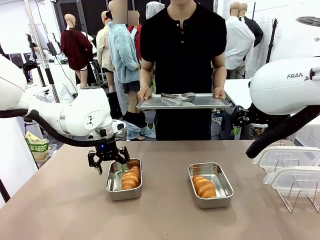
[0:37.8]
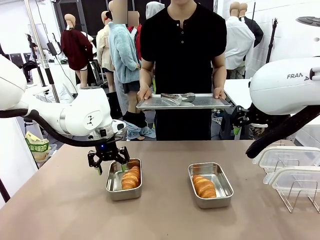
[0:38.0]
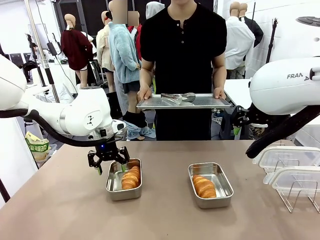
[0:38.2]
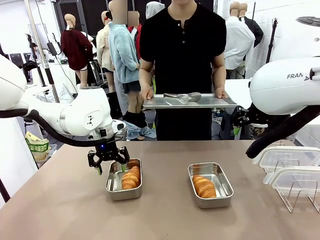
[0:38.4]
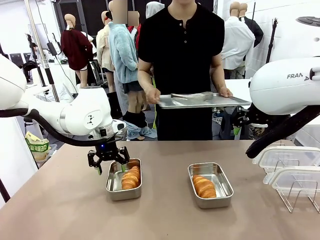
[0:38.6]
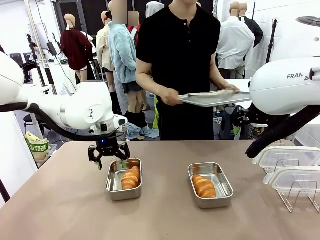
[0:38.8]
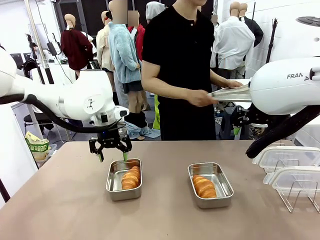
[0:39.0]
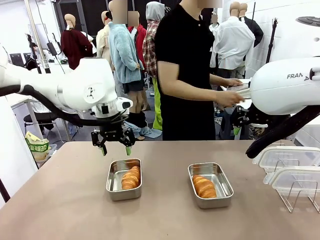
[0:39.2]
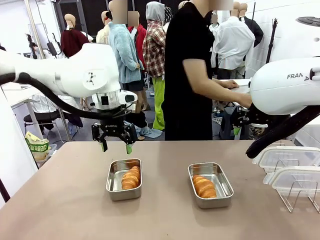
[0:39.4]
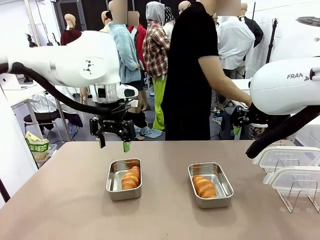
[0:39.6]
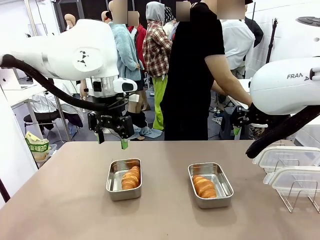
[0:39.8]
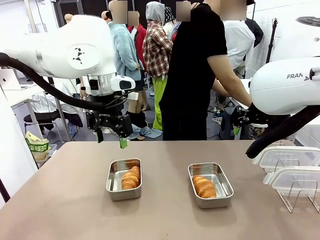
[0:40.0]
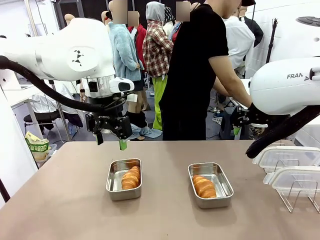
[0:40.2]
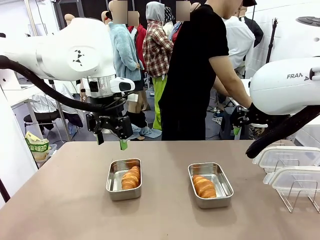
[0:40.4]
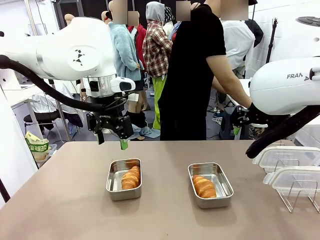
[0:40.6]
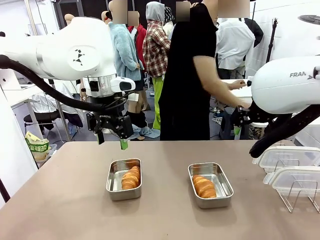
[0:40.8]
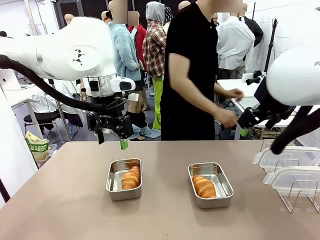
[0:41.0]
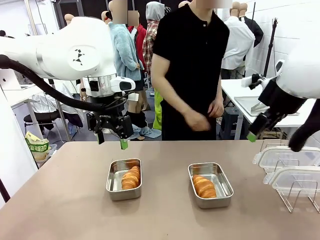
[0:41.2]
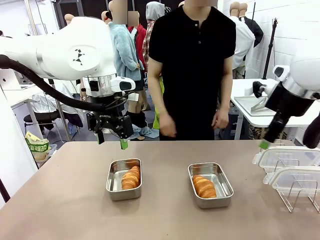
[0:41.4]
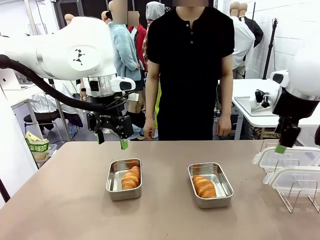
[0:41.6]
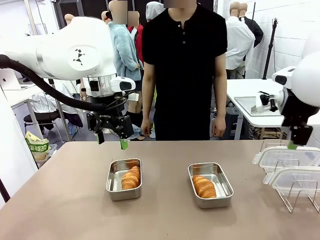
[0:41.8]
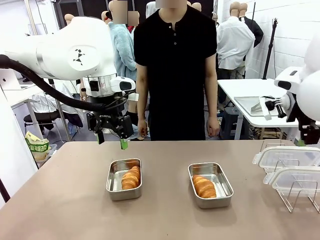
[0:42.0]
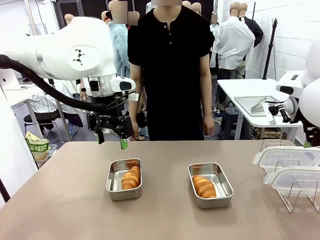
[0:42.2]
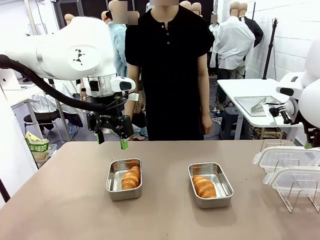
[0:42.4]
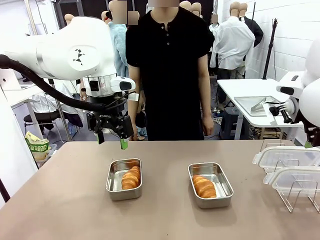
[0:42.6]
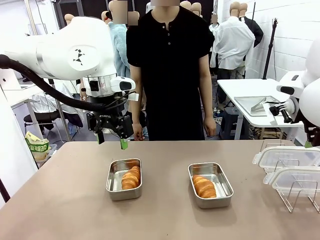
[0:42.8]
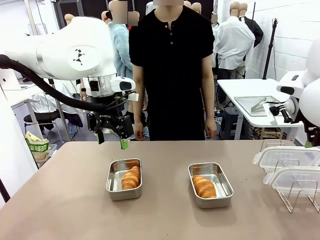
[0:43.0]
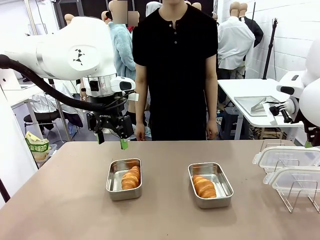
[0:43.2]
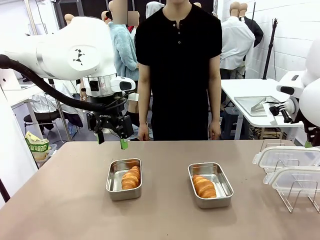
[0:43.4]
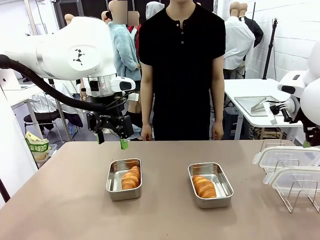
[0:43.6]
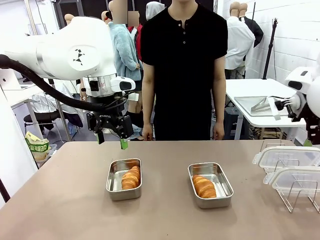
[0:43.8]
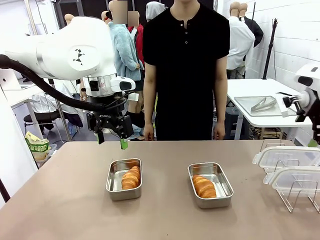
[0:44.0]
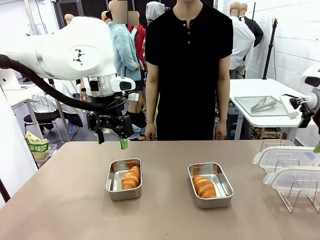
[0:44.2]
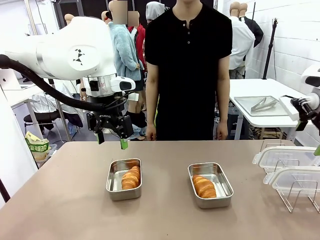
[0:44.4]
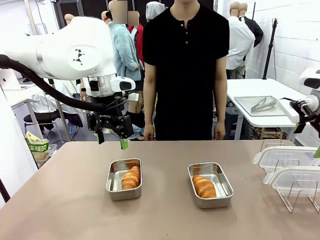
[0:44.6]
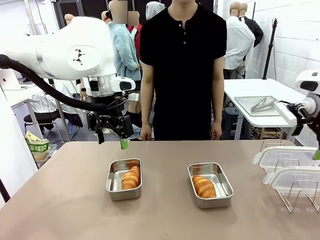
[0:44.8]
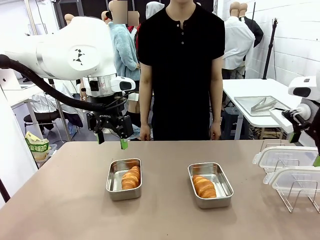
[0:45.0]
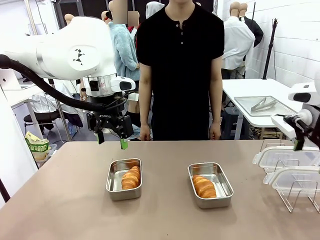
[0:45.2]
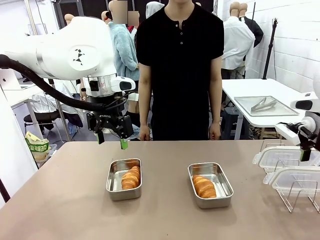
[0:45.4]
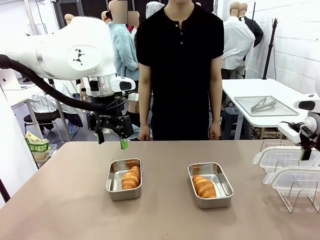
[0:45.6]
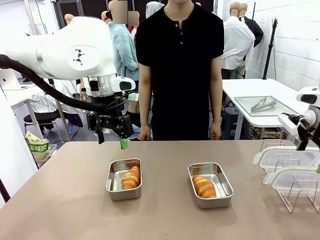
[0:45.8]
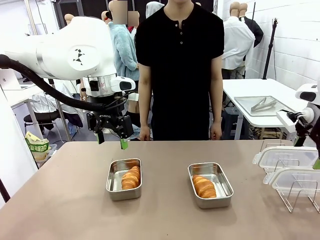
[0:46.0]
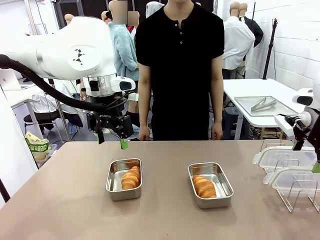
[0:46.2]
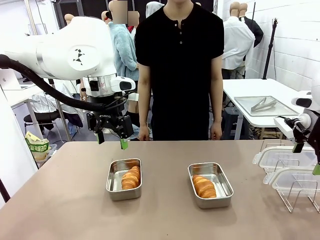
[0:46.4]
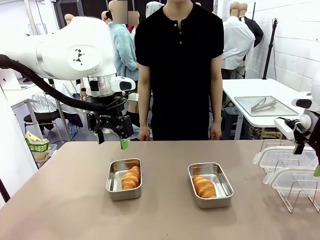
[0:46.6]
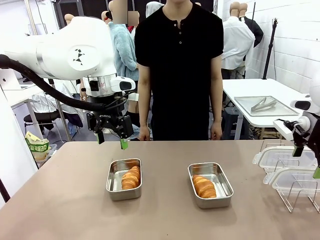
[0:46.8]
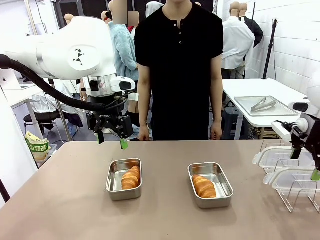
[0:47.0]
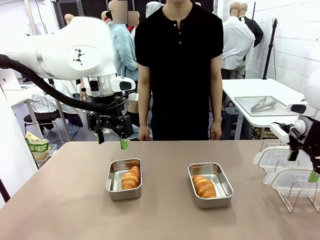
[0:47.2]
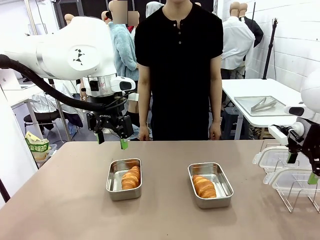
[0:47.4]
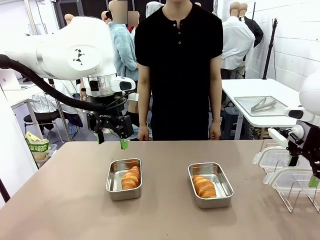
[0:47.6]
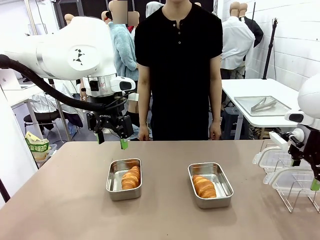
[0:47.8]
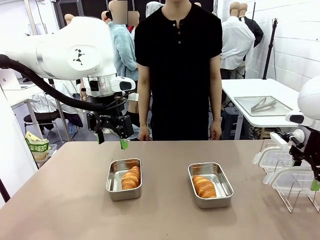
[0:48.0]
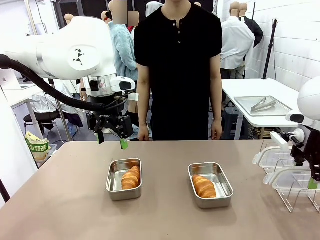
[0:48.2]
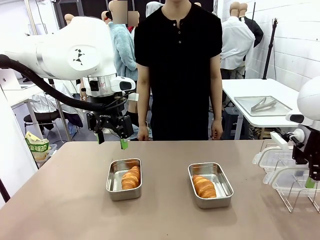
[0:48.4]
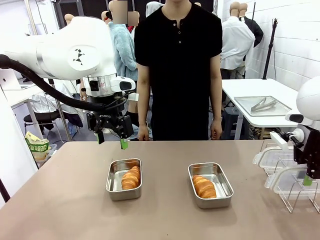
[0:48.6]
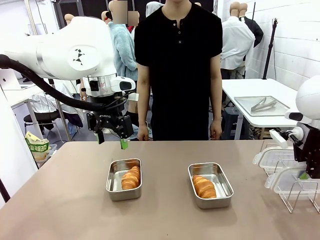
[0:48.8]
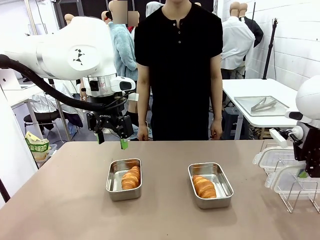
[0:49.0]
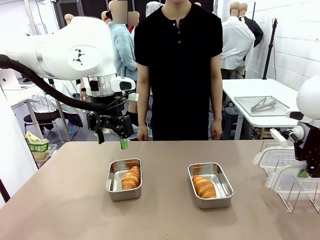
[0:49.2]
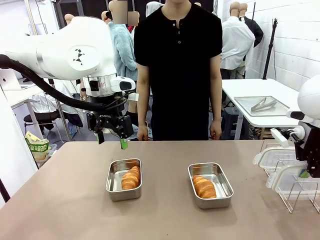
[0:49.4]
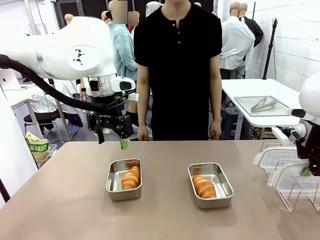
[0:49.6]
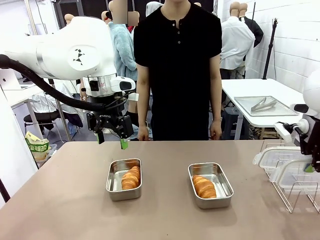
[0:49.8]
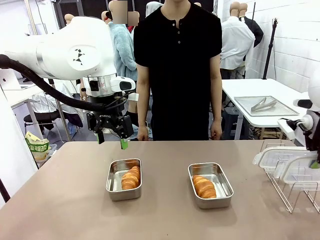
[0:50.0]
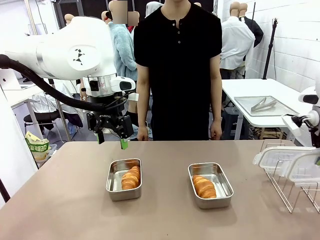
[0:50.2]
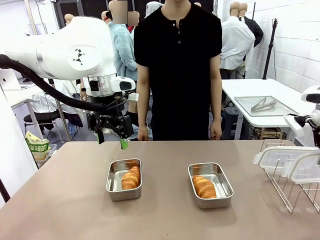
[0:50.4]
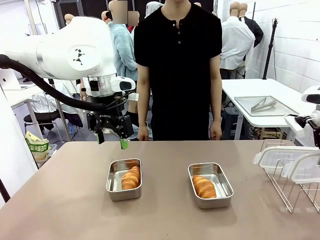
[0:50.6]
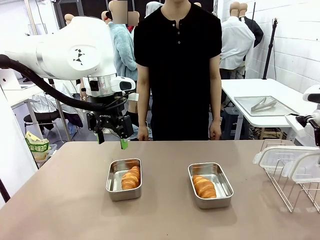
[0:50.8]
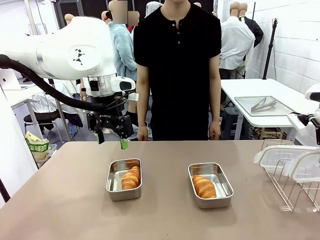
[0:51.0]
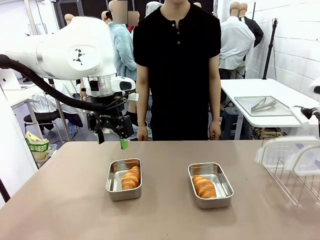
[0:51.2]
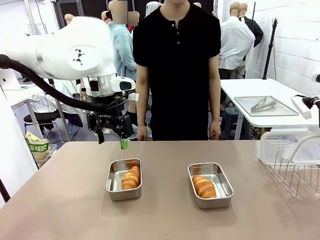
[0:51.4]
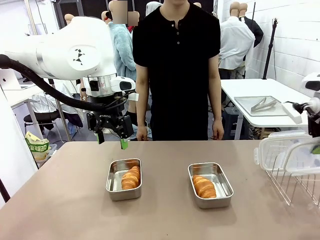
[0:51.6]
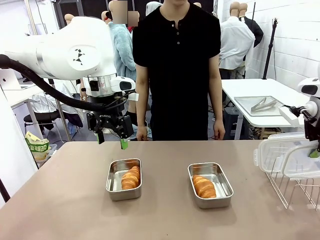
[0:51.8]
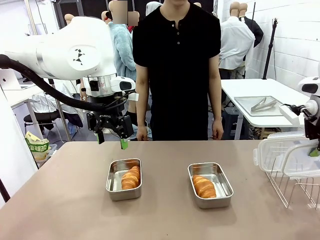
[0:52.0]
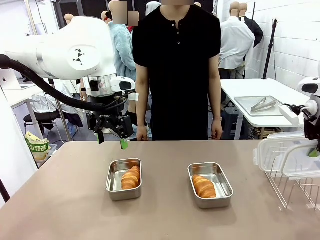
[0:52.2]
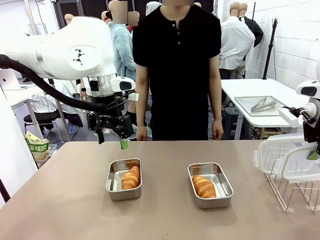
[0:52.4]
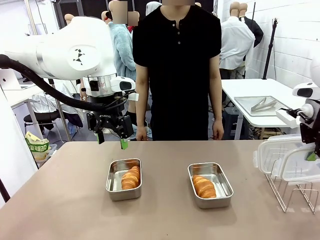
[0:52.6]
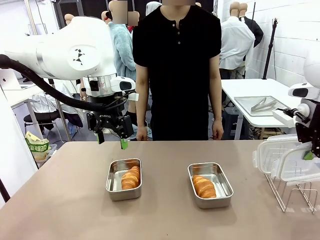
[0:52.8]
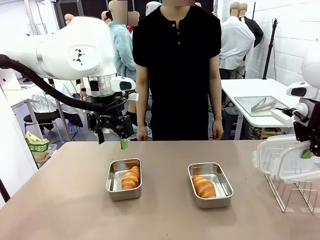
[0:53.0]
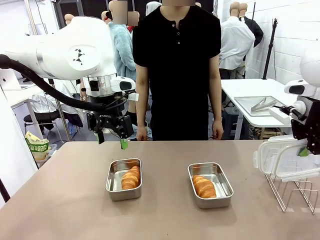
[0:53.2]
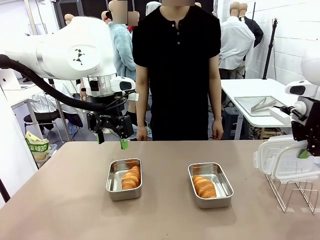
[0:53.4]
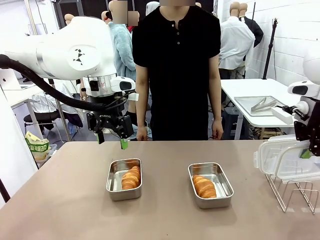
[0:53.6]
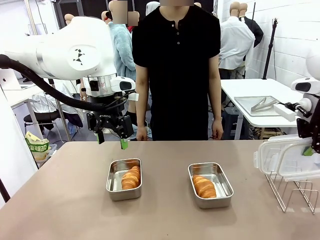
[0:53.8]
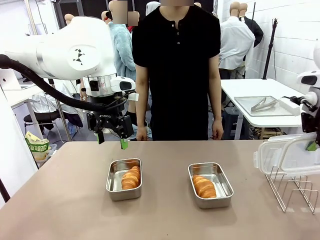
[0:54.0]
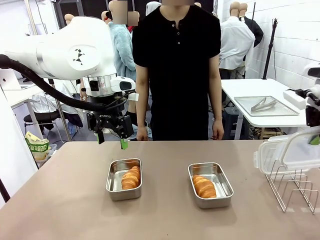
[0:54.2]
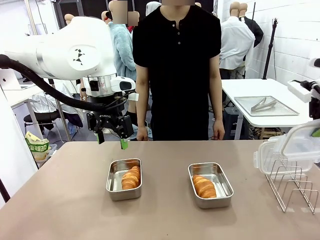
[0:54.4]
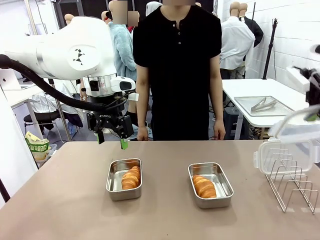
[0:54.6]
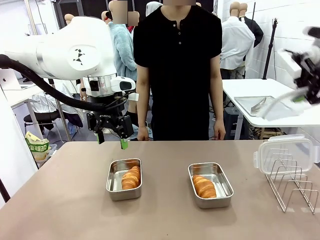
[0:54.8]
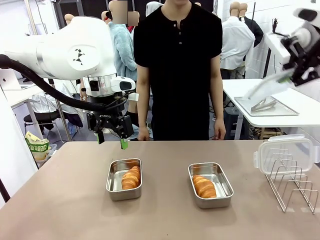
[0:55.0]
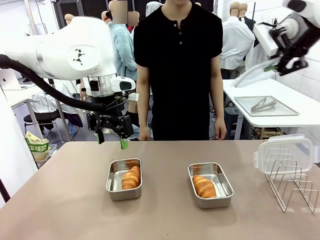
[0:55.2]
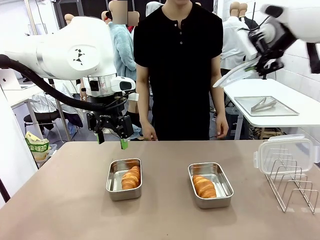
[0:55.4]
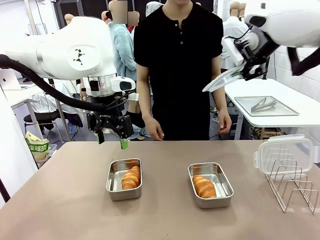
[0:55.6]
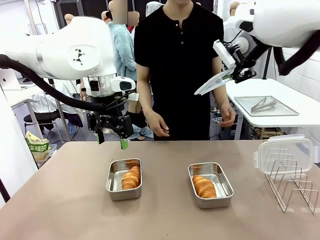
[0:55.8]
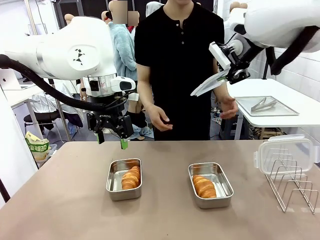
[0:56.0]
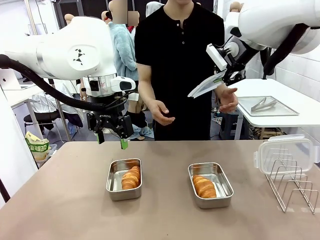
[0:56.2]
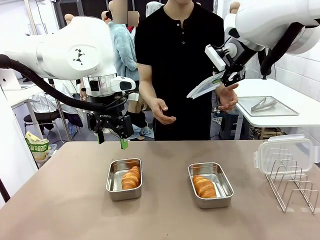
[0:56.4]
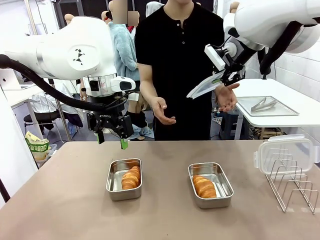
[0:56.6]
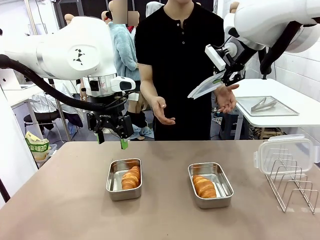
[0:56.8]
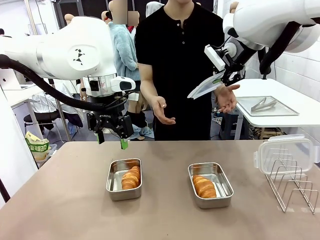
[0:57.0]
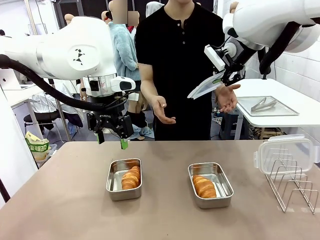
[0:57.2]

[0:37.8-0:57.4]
Task: Place the bread in airtight containers.
Robot: Pick up one Airtight Container lid and hand it to the human.
Person: Grip Airtight Container lid that robot is handing.

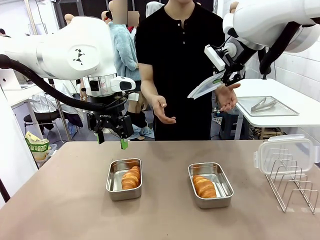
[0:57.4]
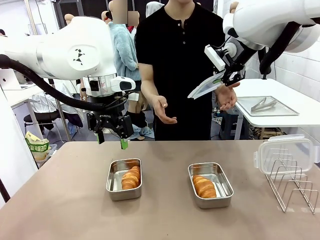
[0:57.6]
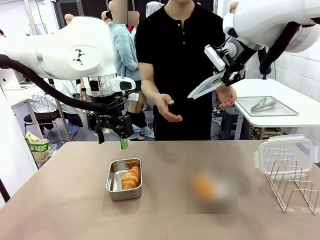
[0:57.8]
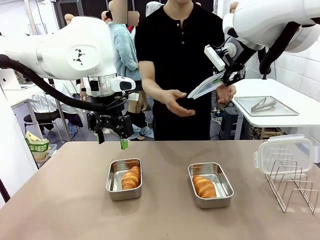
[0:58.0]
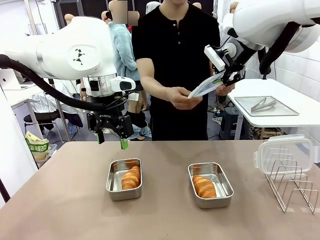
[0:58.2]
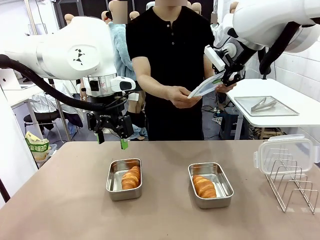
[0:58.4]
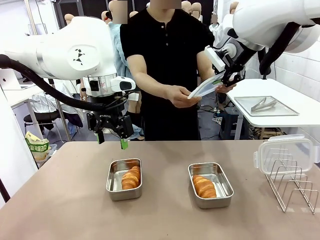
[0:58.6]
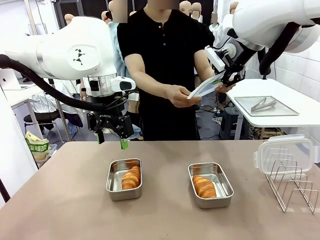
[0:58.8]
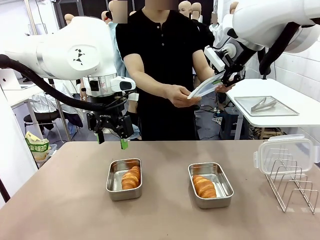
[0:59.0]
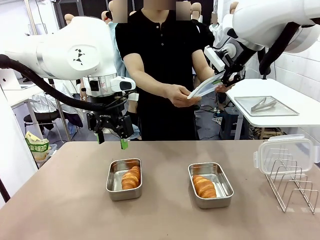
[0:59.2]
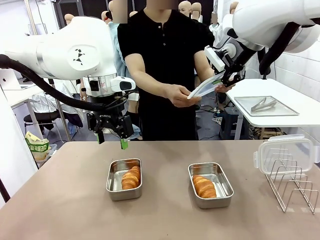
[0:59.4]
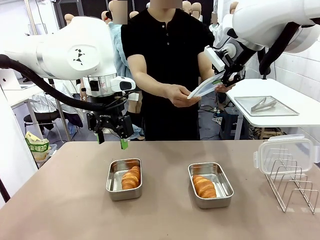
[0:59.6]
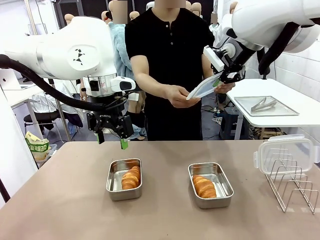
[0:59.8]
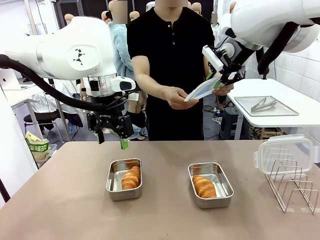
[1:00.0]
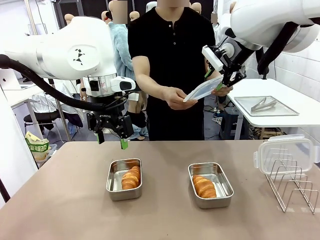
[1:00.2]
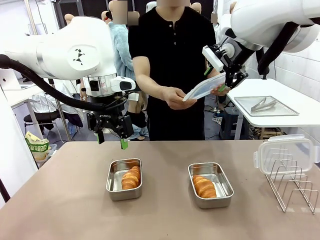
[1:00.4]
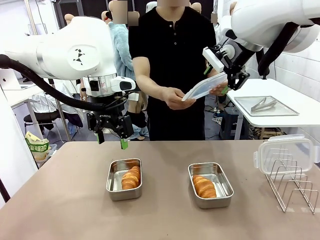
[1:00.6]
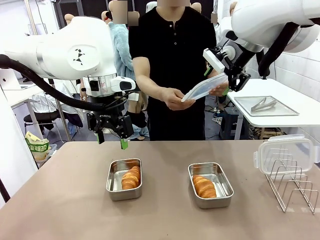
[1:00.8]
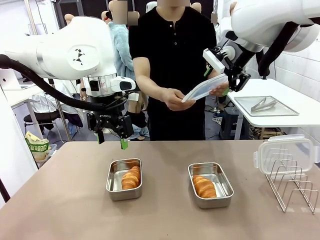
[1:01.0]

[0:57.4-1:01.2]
Robot: Release when the human grabs the Airtight Container lid.
